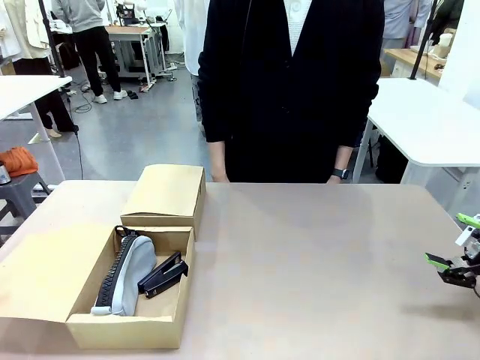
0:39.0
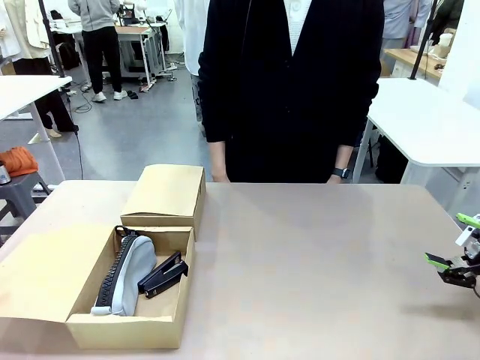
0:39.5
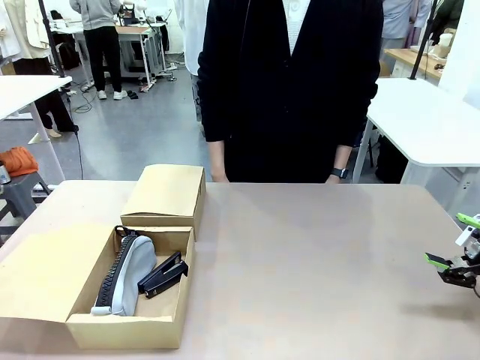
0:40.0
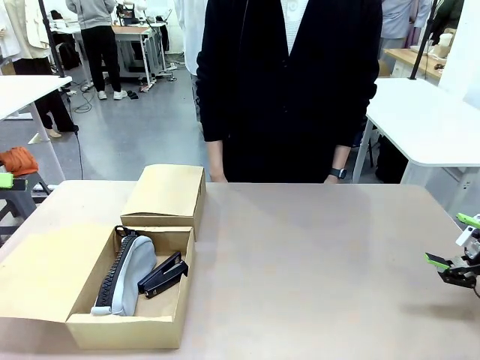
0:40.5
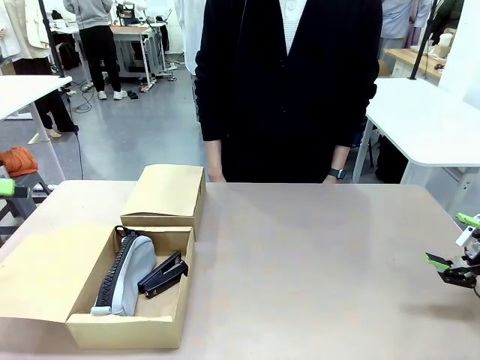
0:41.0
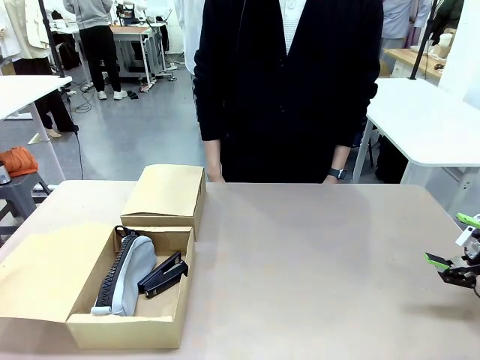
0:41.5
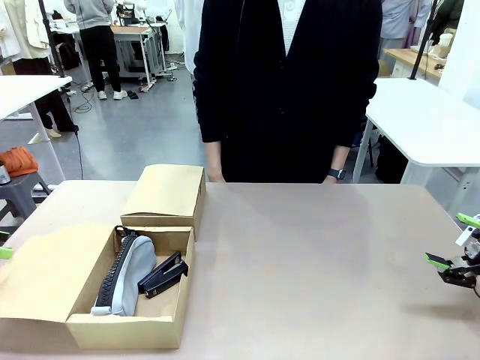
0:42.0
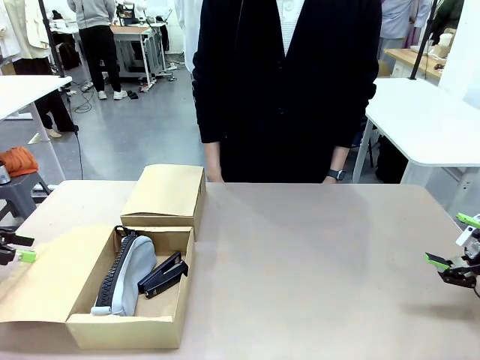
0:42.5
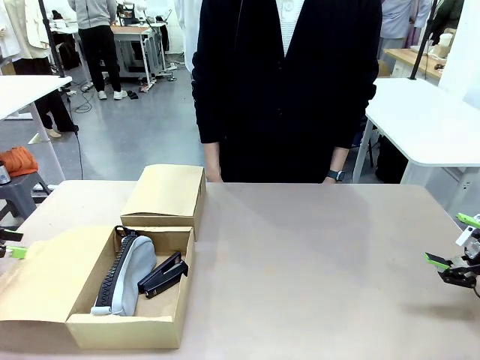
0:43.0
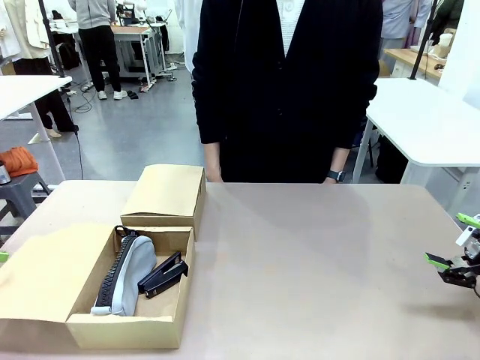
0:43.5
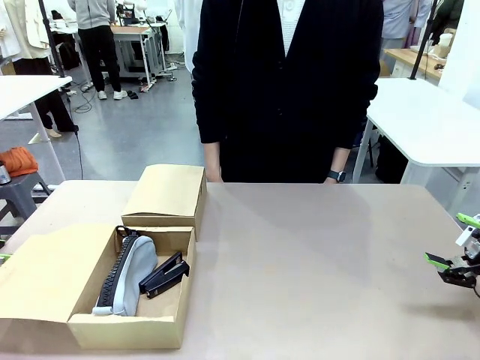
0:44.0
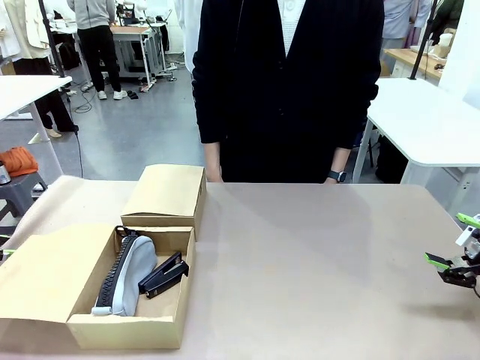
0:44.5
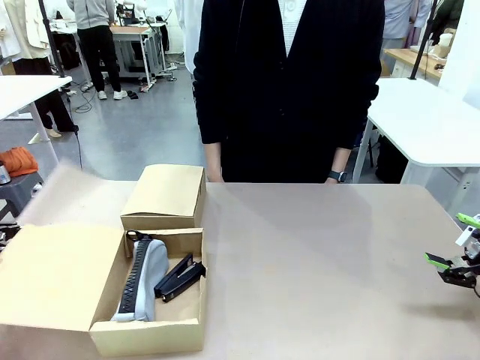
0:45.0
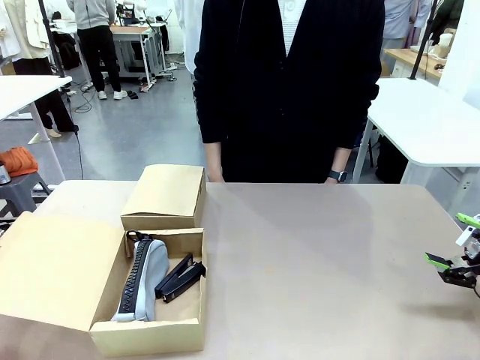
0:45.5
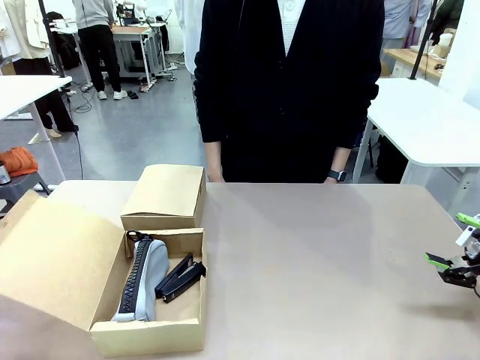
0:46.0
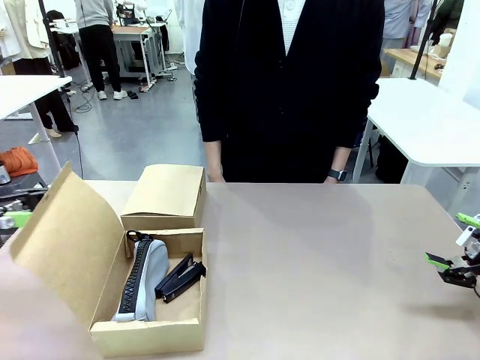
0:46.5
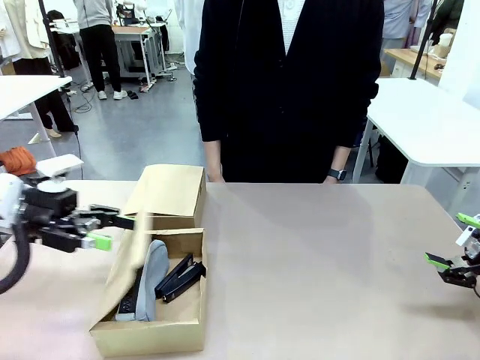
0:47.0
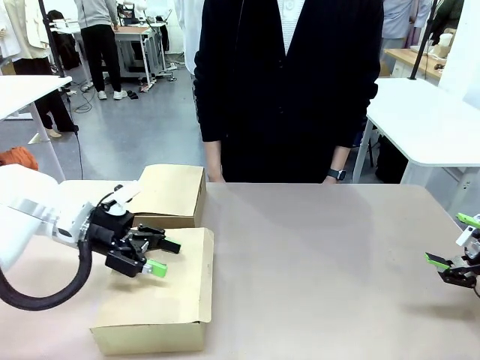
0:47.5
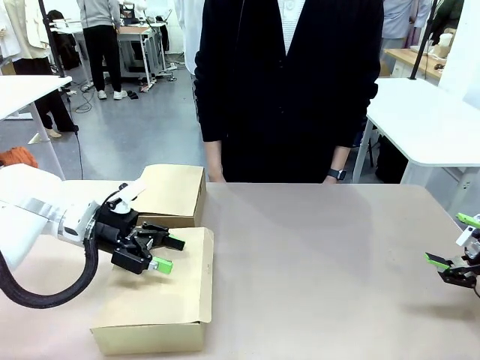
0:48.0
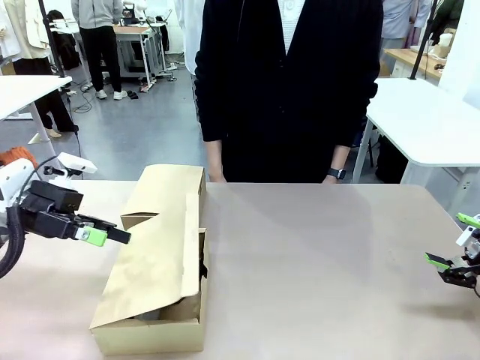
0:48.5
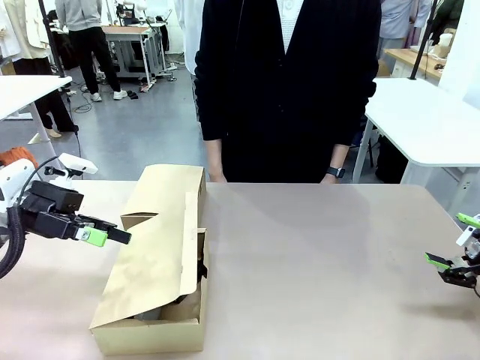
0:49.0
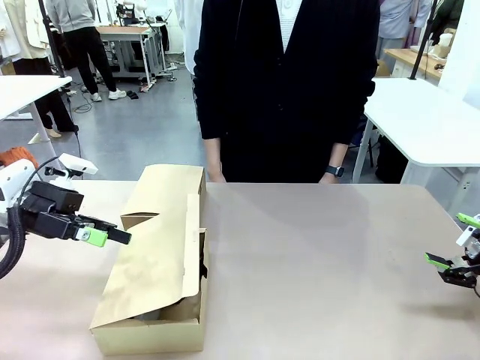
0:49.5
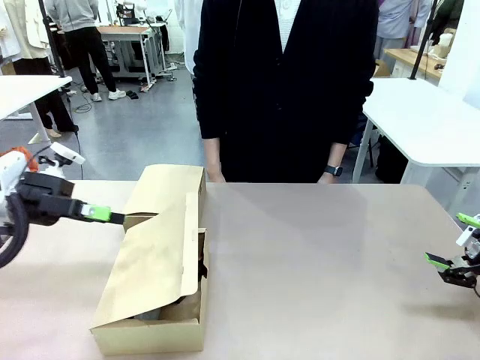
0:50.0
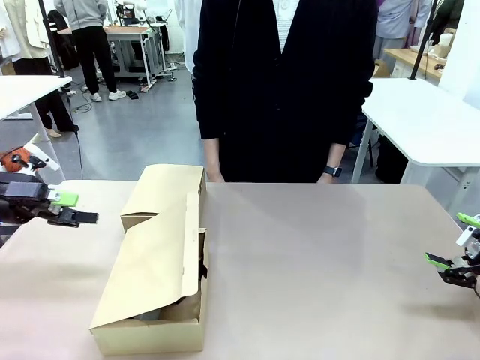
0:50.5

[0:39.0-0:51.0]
Task: Place items inside the box.
Robot: Close the lid of the Mailer Box closest to the robot.
Person: Close the lid of the box facing the person.

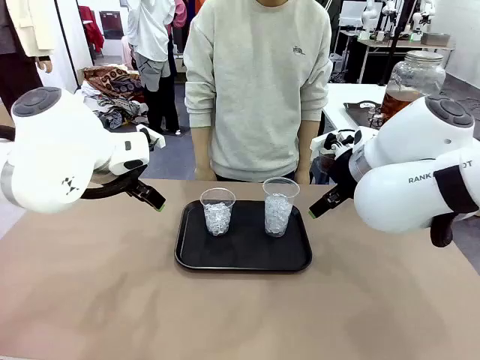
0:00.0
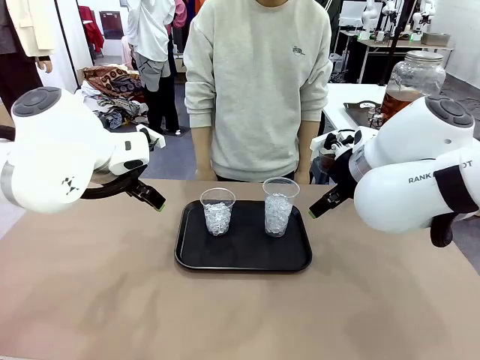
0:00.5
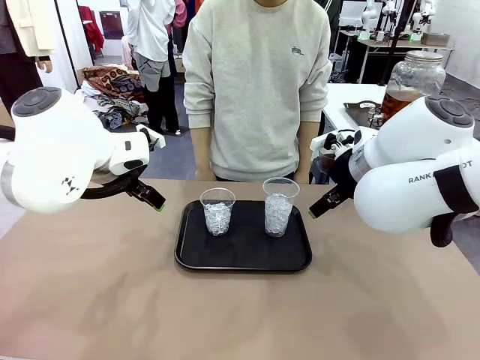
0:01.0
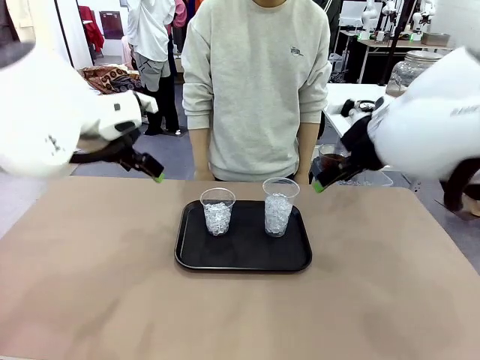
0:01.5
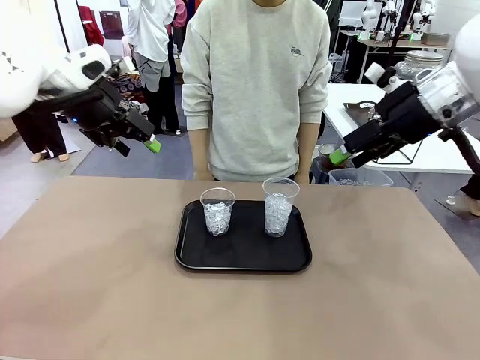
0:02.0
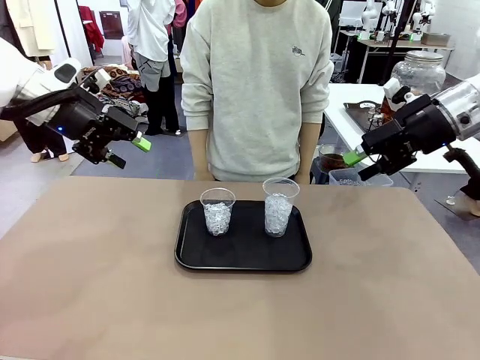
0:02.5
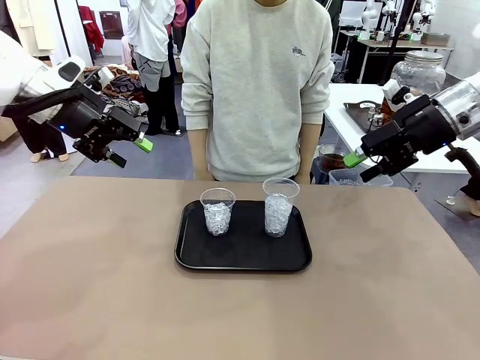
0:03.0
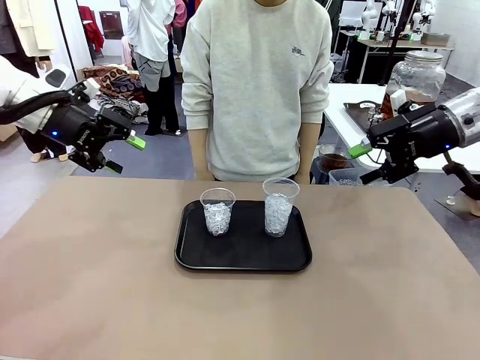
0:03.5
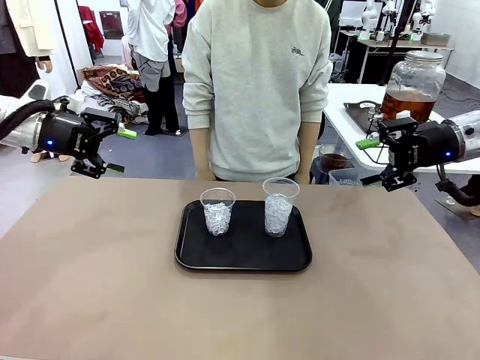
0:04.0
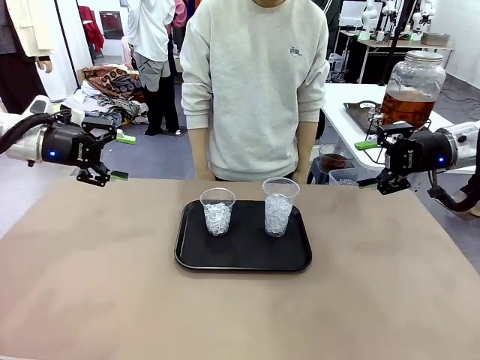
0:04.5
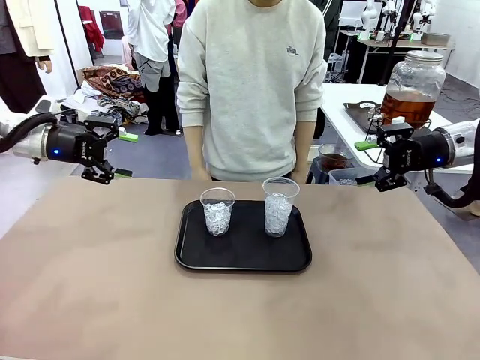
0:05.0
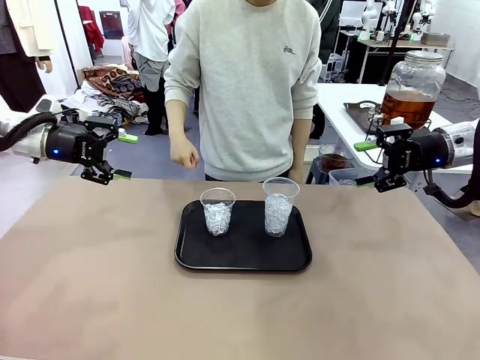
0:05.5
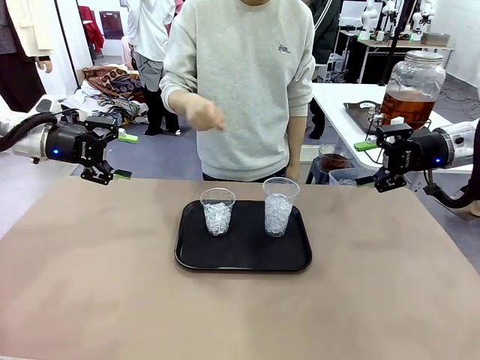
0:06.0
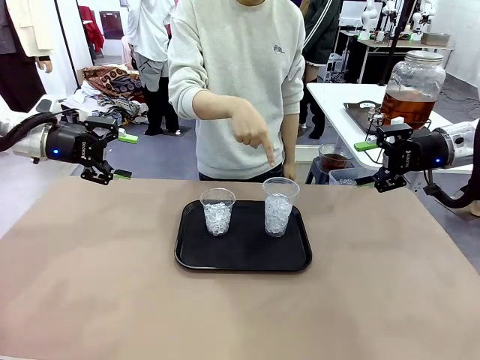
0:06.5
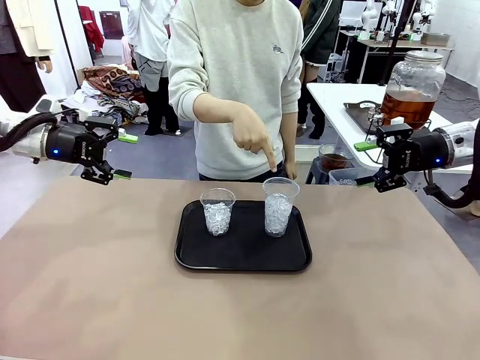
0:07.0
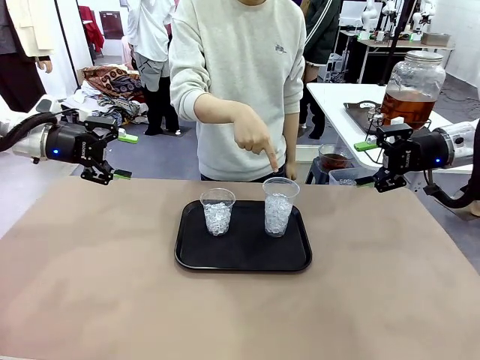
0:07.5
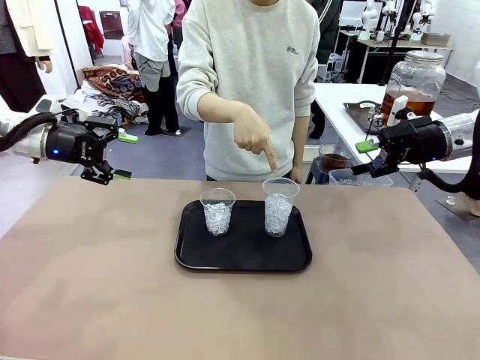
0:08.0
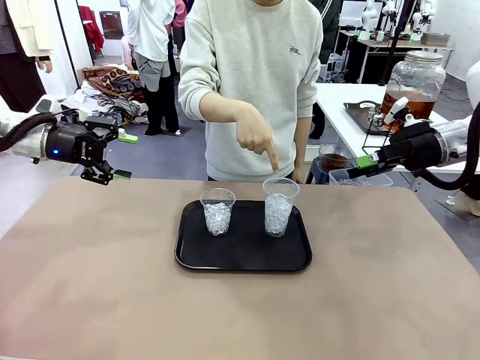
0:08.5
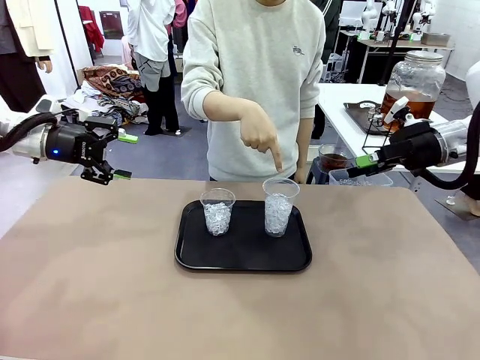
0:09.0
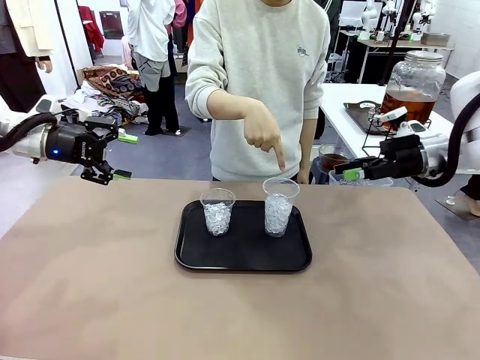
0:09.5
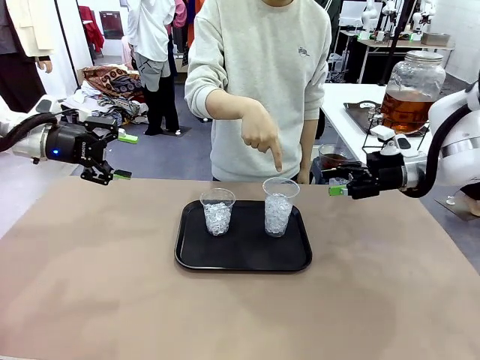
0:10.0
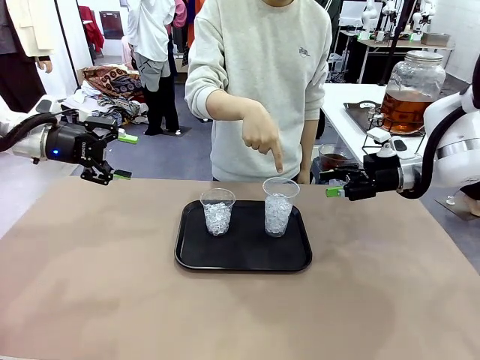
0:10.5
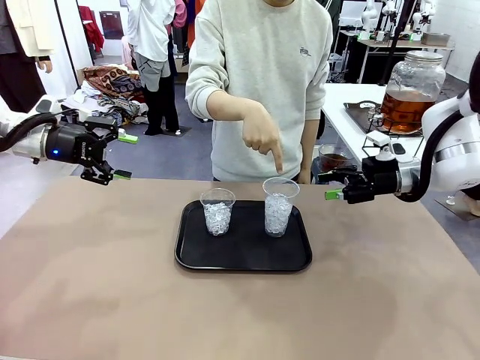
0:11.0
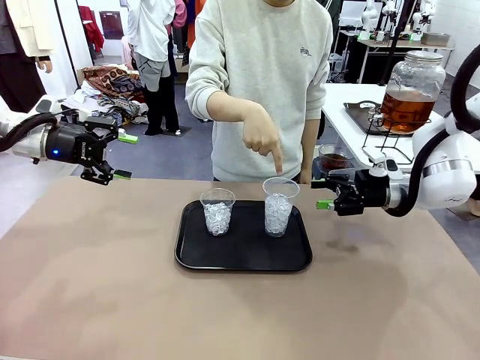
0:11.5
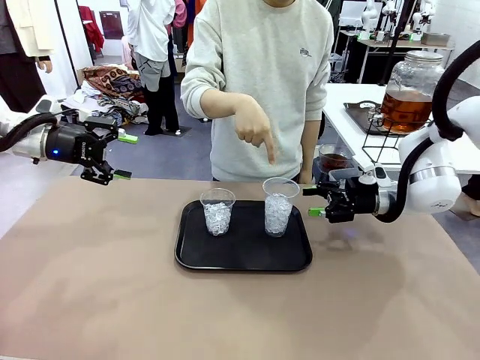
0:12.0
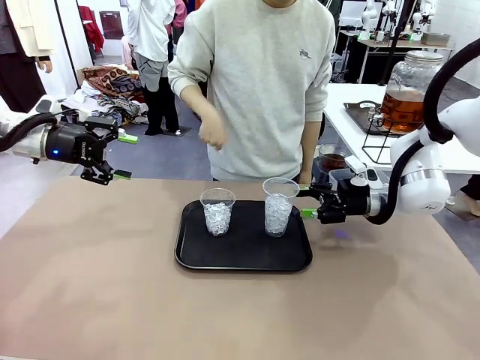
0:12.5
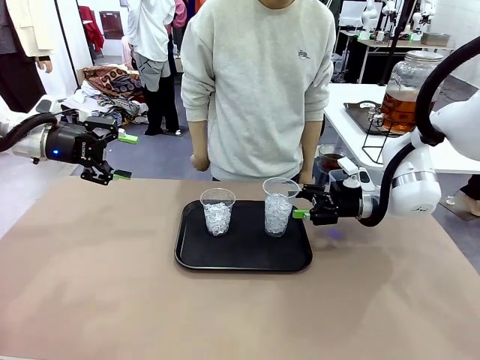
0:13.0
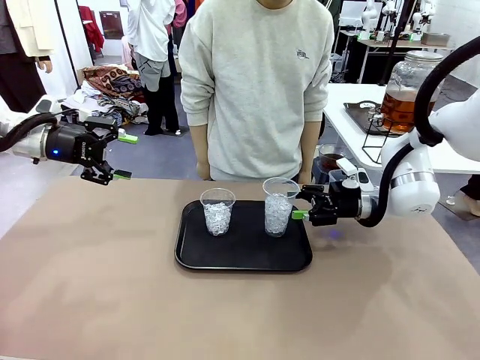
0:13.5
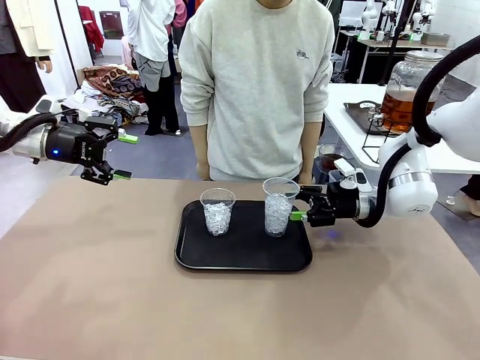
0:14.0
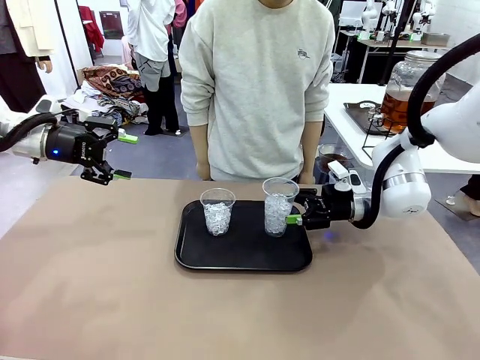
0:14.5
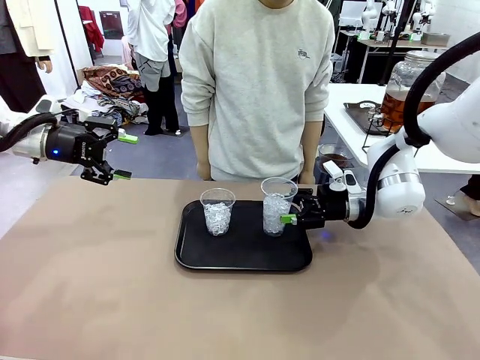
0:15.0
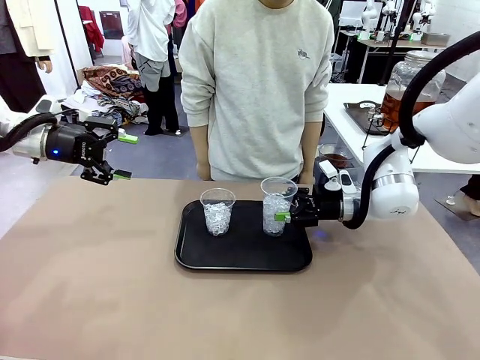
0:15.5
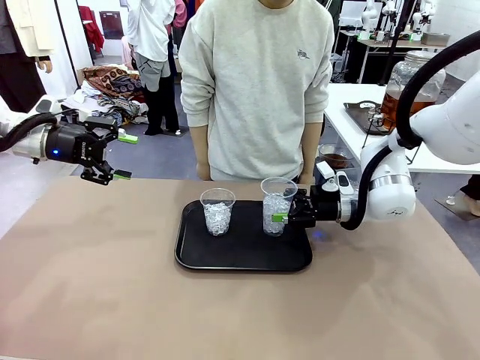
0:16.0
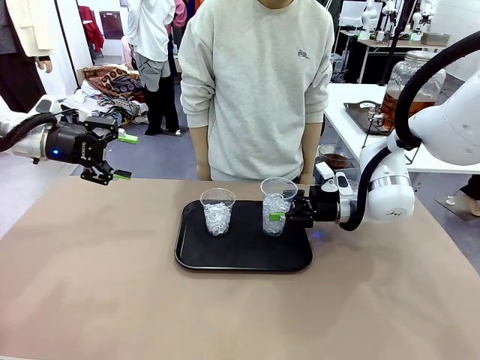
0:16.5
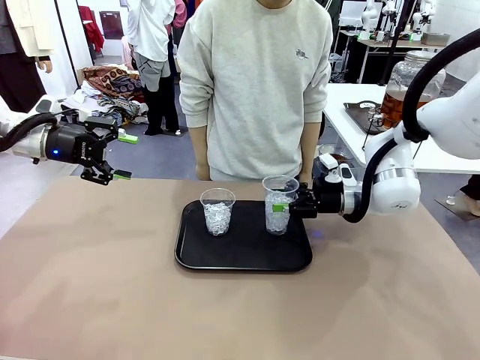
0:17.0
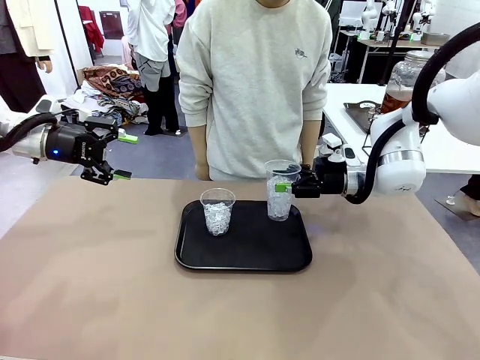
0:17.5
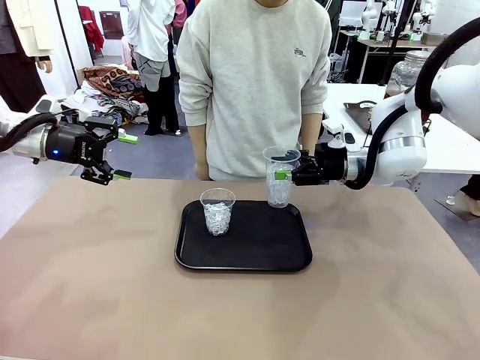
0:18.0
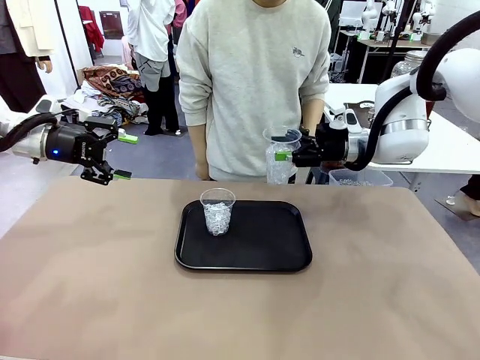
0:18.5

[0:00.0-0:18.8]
Task: Pour the drink into the iced cup.
Robot: Pick up the iced cup indicated by the human and present it to them.
Person: Point to one of the two ice cups. Pick up the cup offered by the robot.
